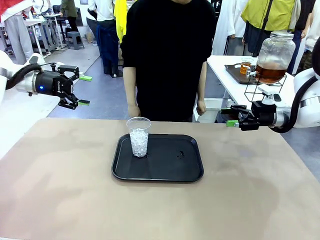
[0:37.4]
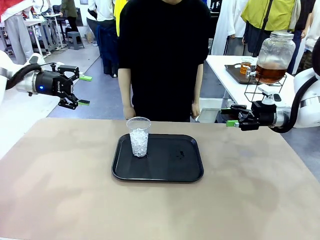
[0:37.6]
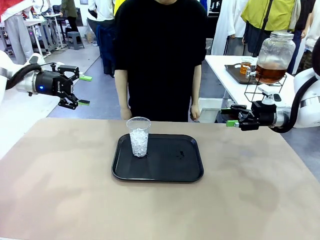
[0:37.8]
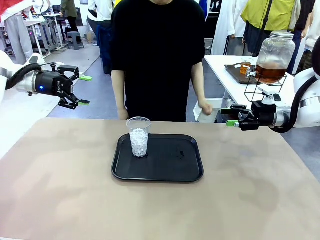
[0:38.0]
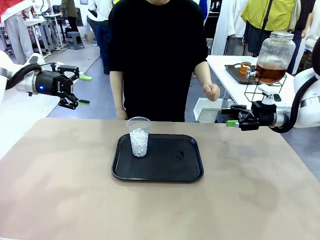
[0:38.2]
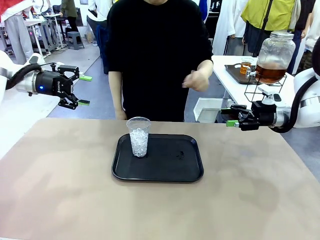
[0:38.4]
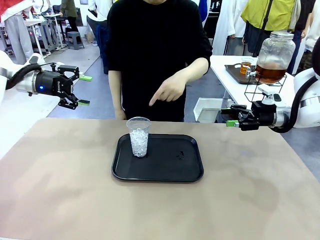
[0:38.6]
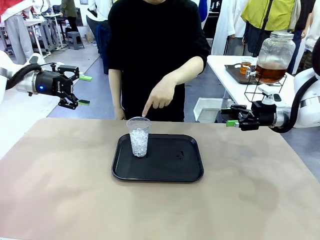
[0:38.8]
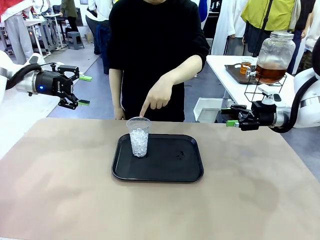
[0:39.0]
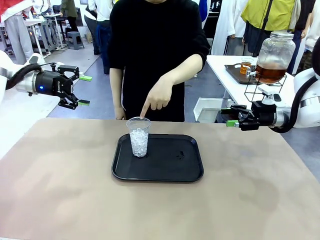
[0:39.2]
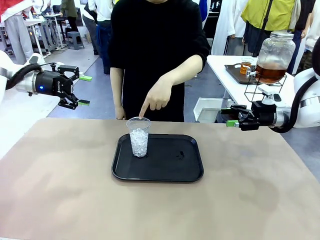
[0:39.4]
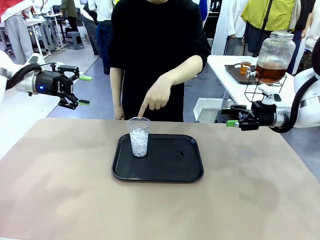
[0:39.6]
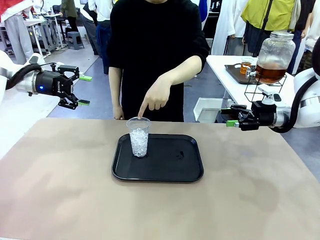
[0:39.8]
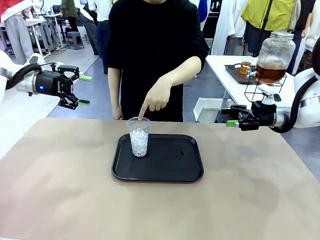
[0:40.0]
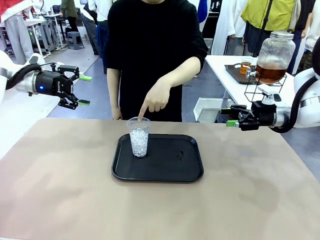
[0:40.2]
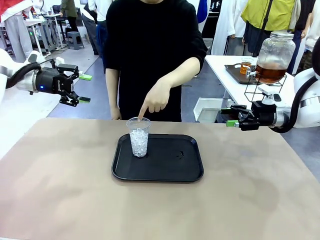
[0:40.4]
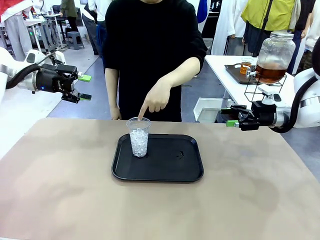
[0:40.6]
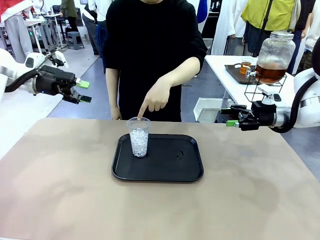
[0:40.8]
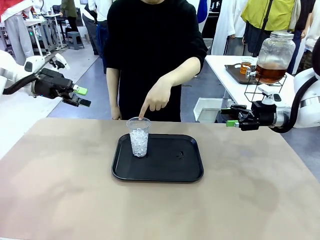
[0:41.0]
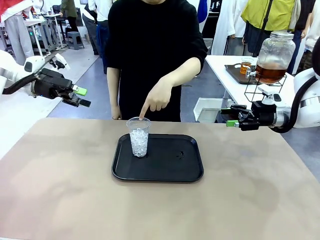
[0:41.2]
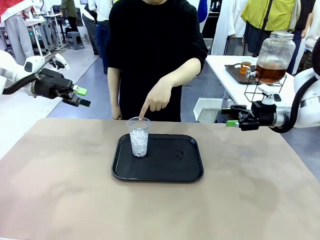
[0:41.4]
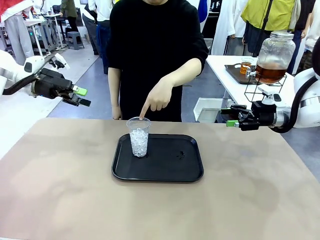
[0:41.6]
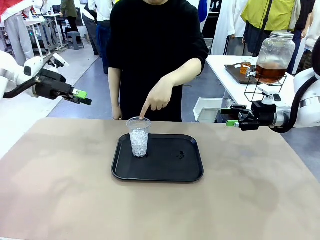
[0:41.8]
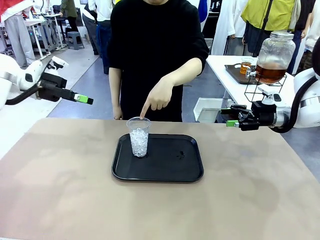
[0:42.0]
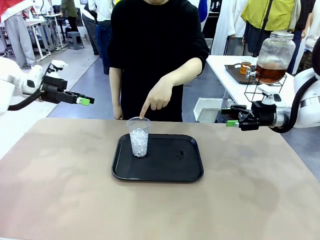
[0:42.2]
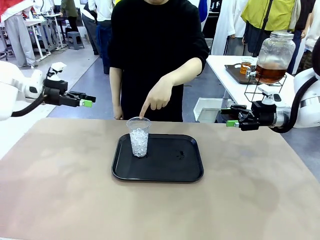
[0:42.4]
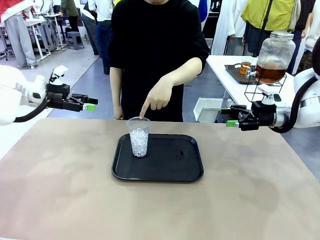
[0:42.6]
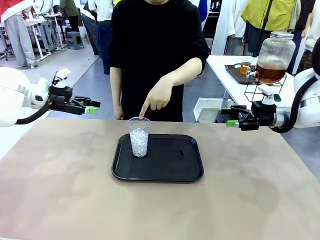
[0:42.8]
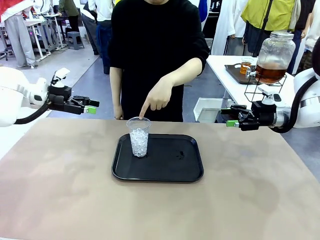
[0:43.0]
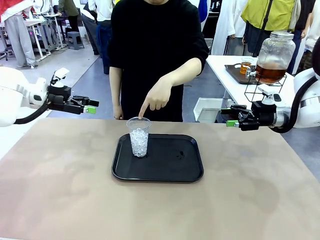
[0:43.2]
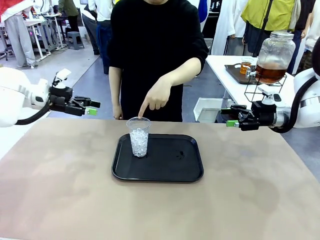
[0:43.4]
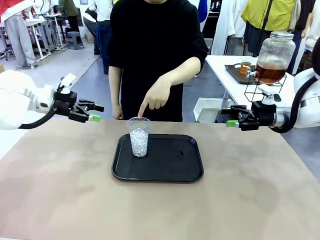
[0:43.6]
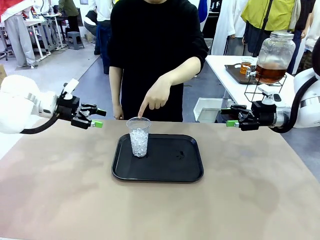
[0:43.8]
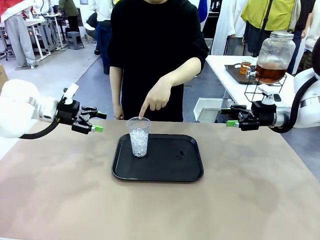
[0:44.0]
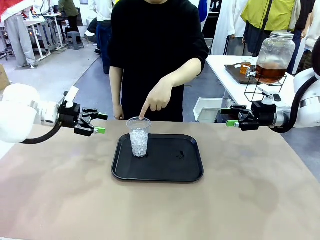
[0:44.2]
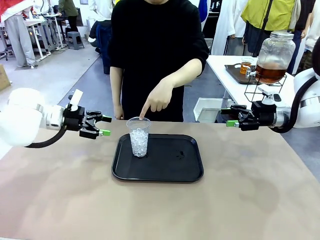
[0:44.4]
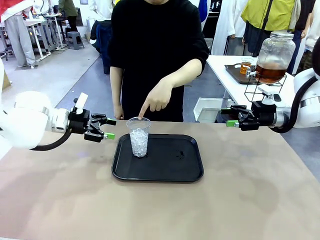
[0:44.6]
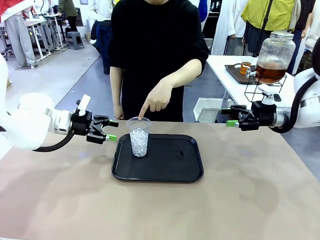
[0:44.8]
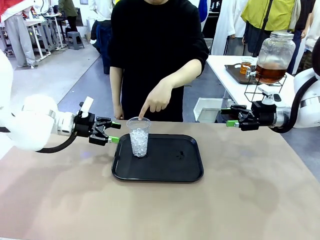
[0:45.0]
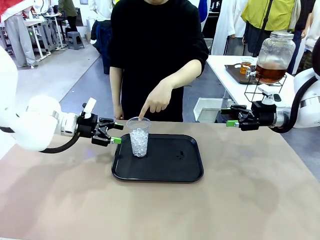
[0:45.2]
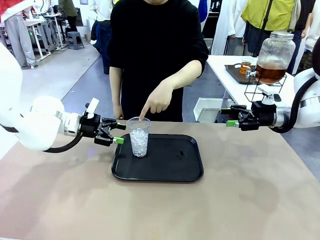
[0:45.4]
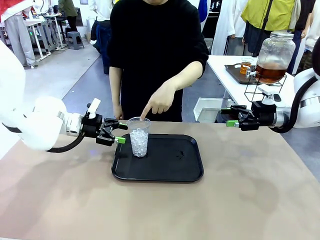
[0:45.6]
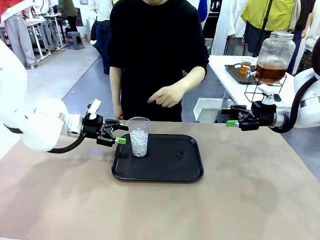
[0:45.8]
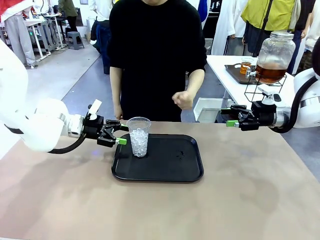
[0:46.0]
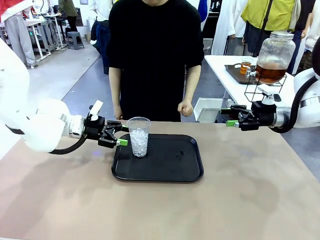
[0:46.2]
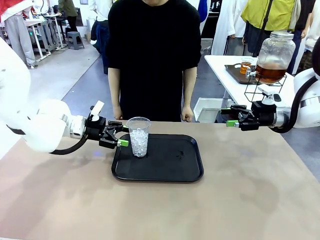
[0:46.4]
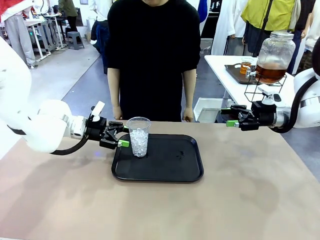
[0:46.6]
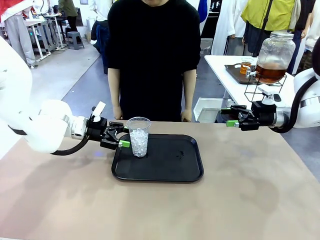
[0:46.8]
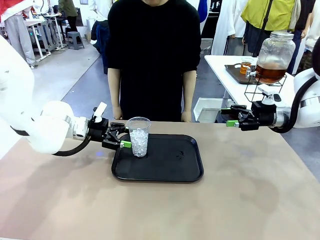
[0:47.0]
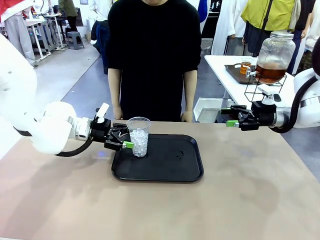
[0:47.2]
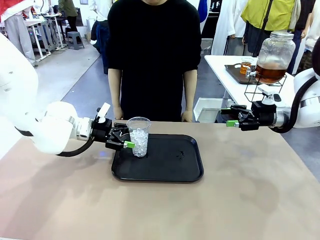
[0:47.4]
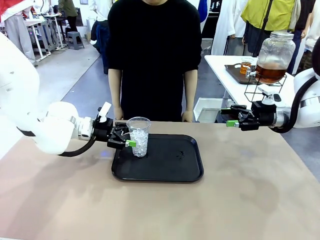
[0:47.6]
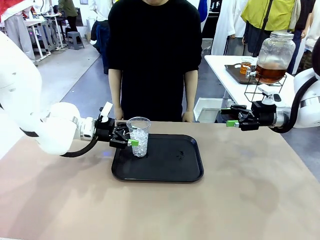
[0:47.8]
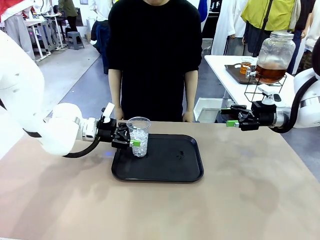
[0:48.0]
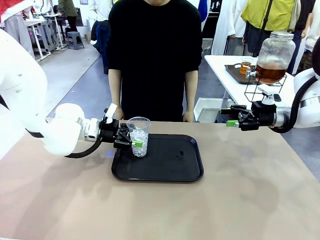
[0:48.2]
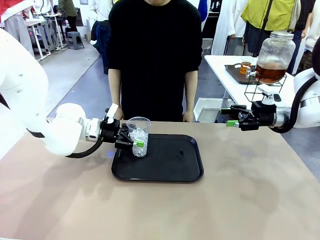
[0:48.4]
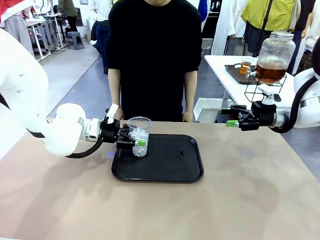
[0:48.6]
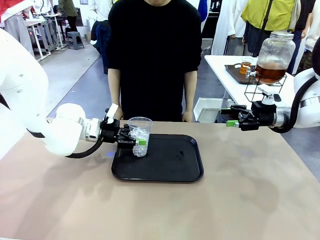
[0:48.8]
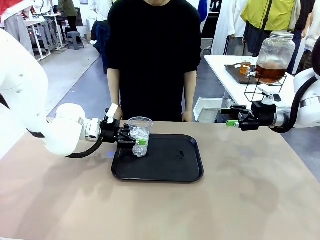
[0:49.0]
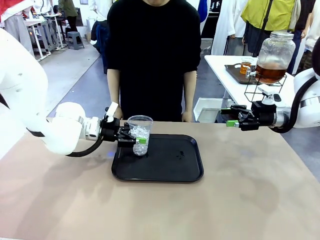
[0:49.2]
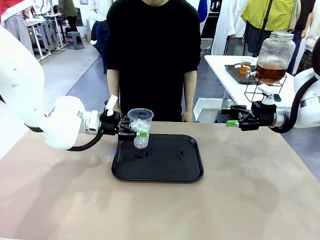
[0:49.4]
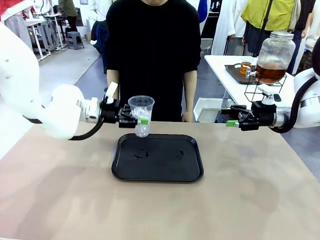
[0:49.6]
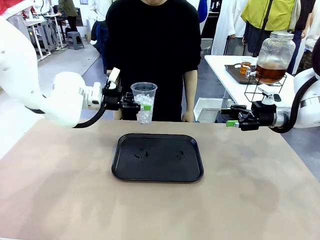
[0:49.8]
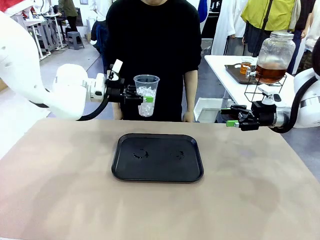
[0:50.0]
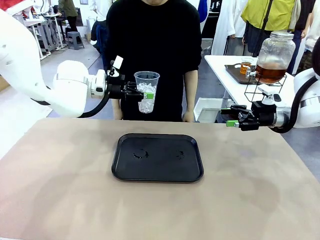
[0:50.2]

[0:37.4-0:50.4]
Task: Pour the drink into the iced cup.
Robot: Pick up the iced cup indicated by the human and present it to them.
Person: Point to the remaining ice cup on the robot table. Pick up the cup offered by the robot.
